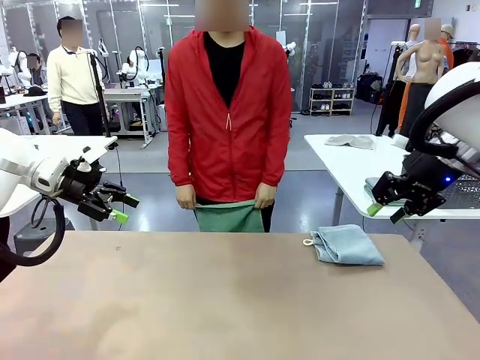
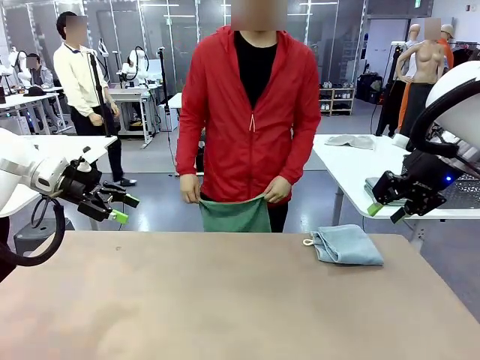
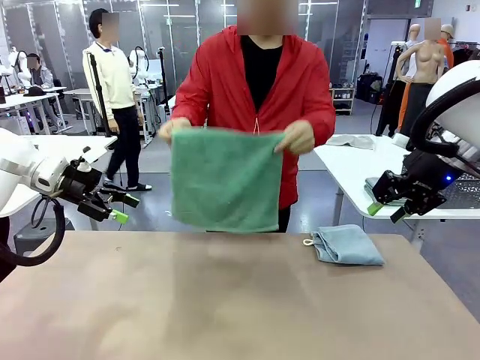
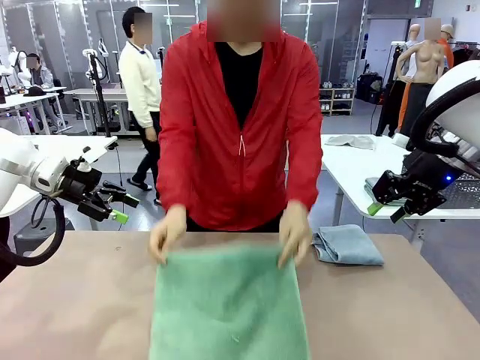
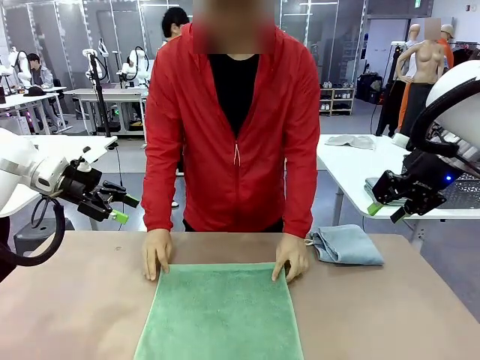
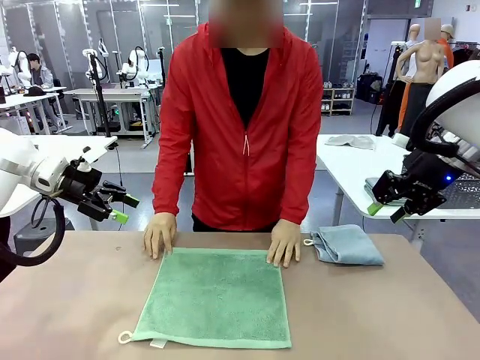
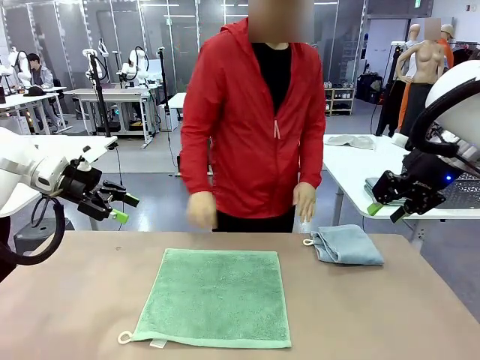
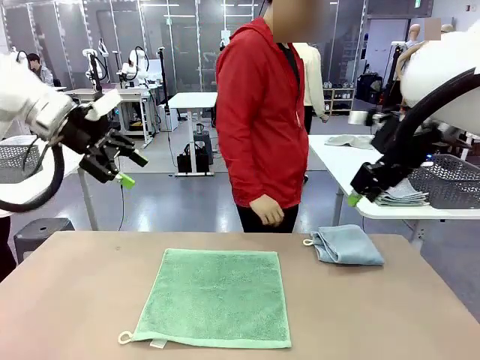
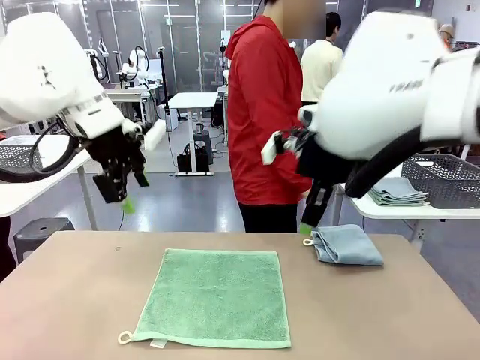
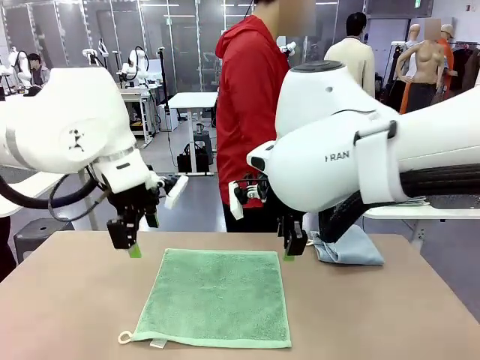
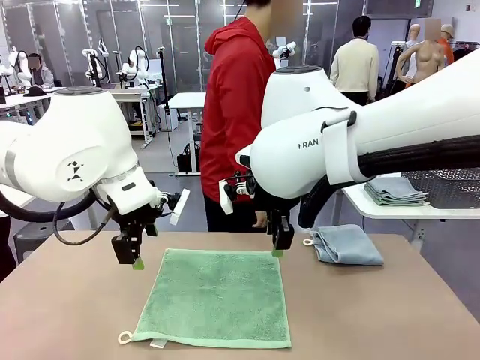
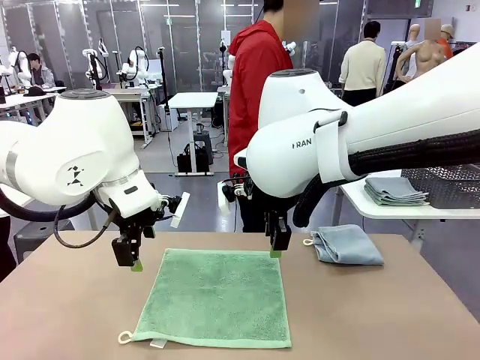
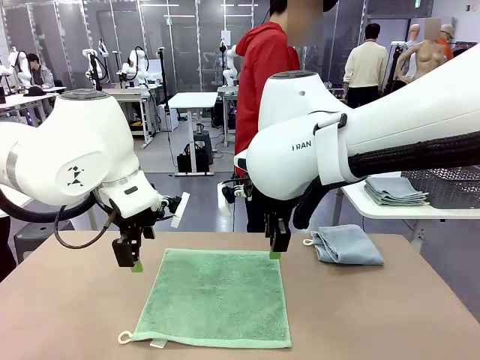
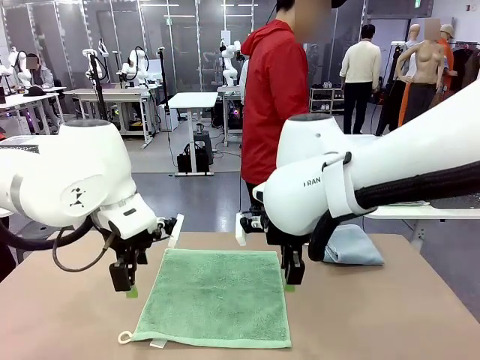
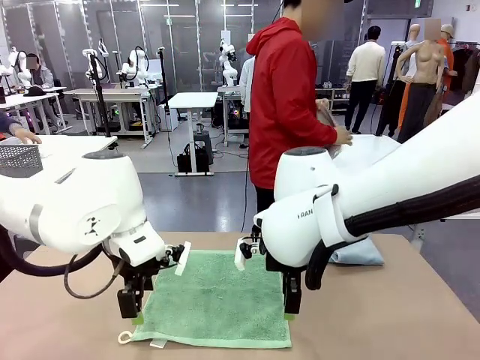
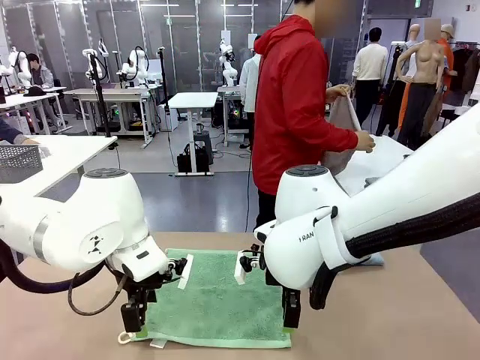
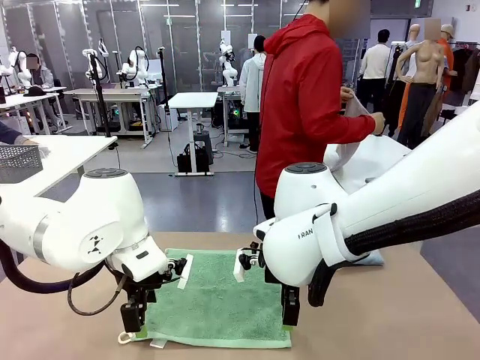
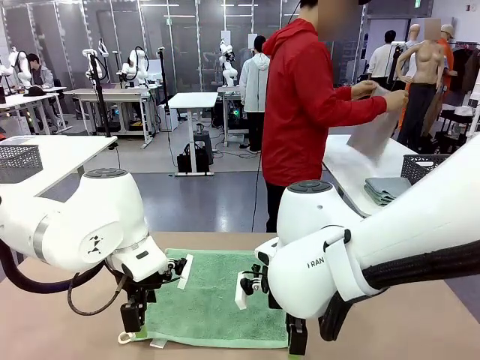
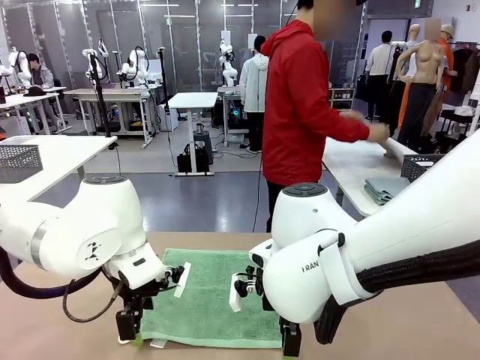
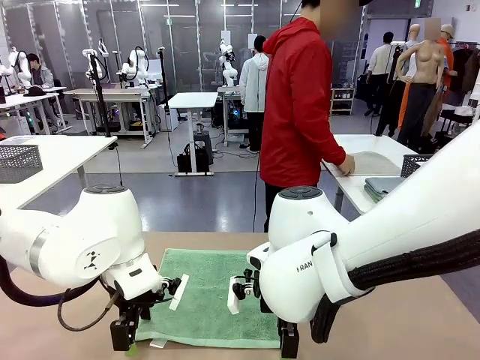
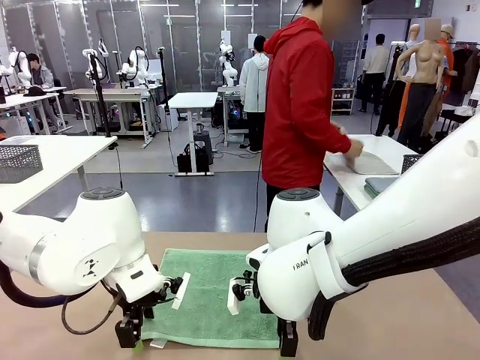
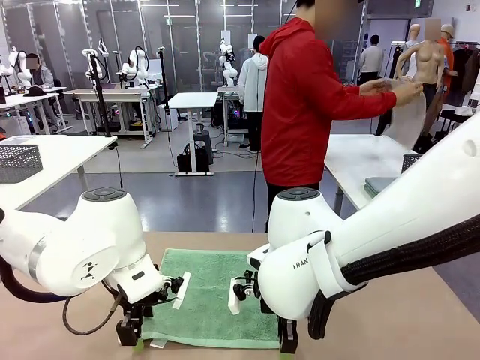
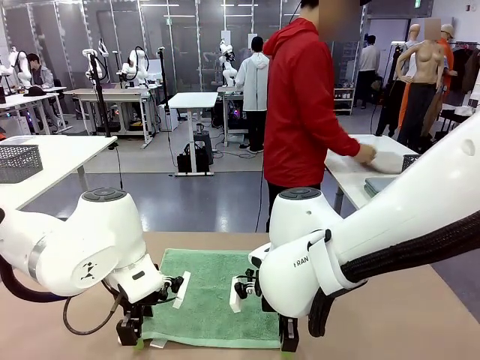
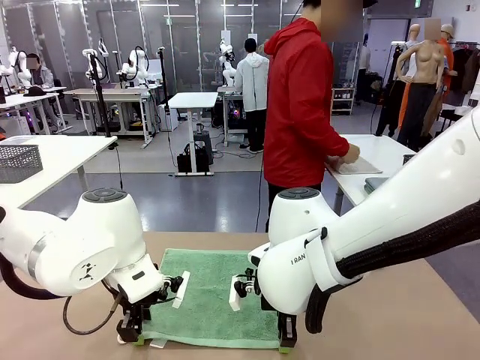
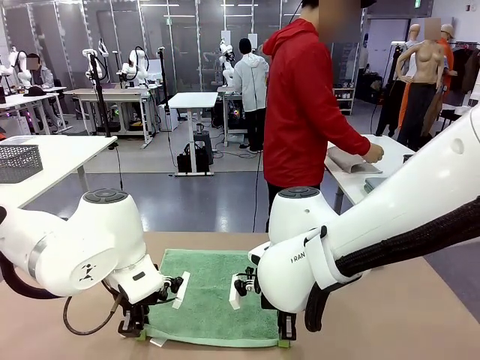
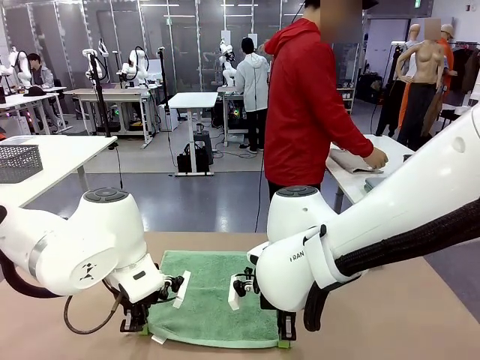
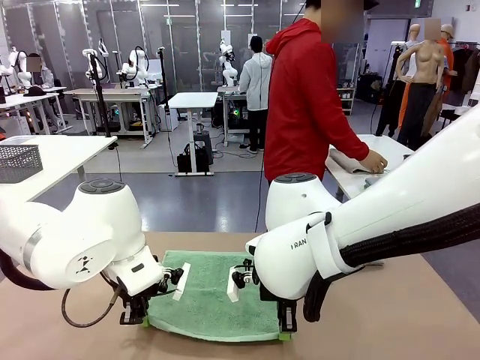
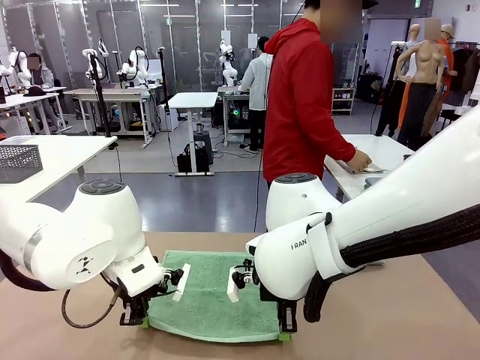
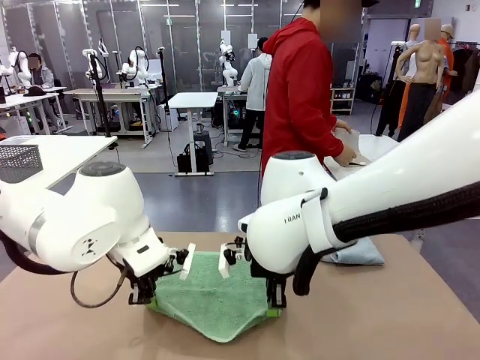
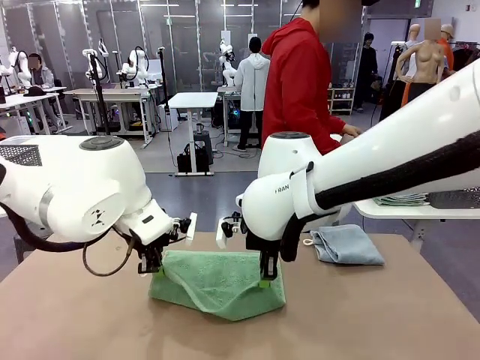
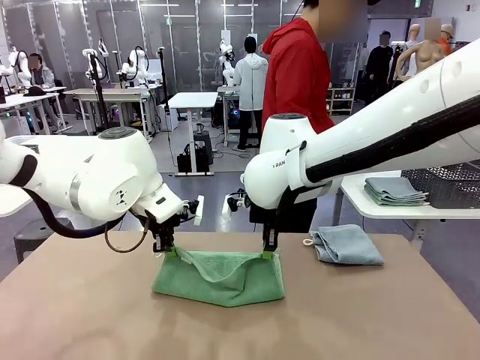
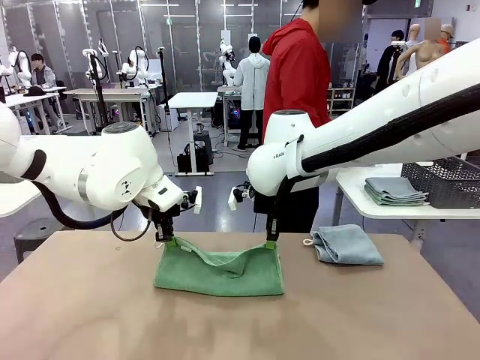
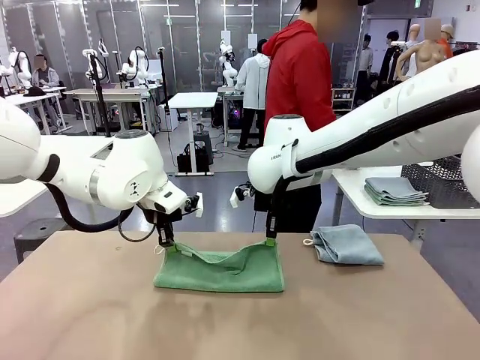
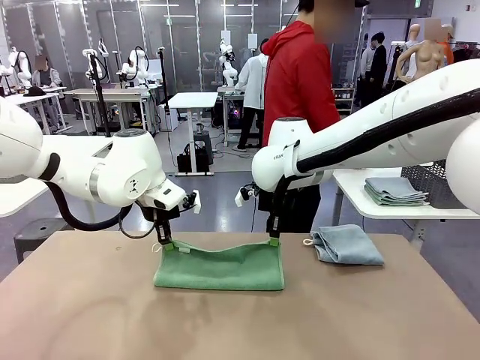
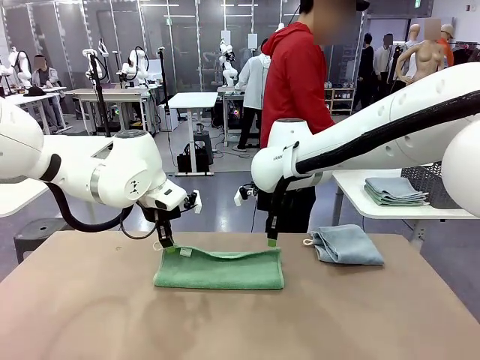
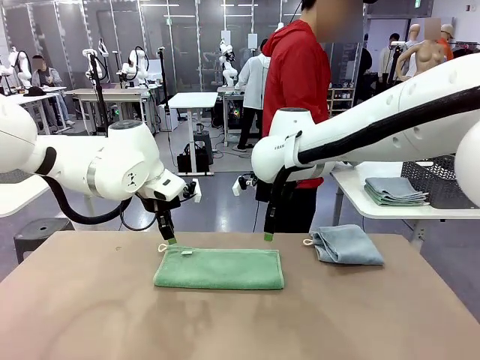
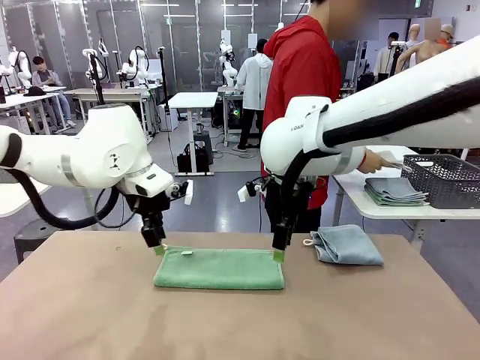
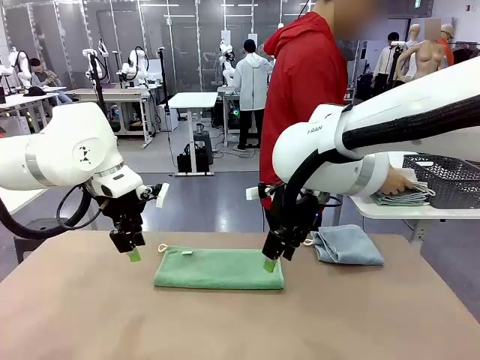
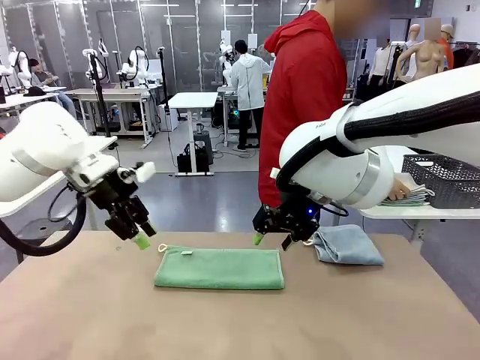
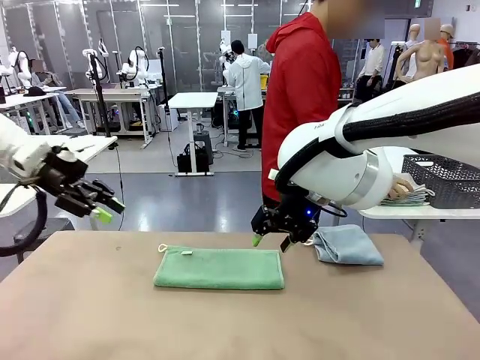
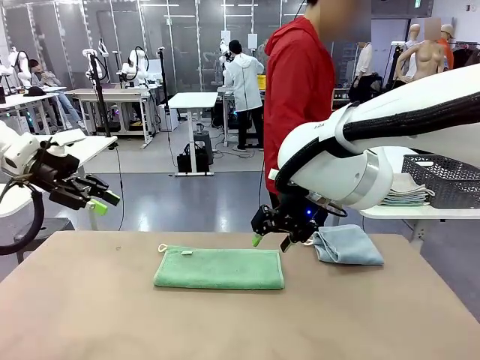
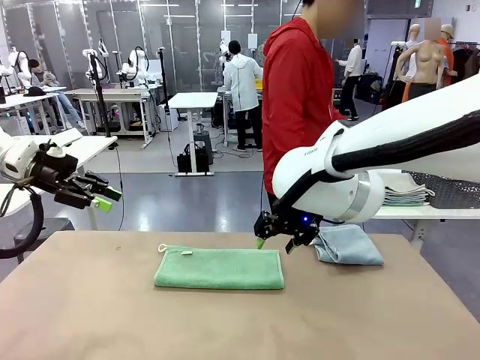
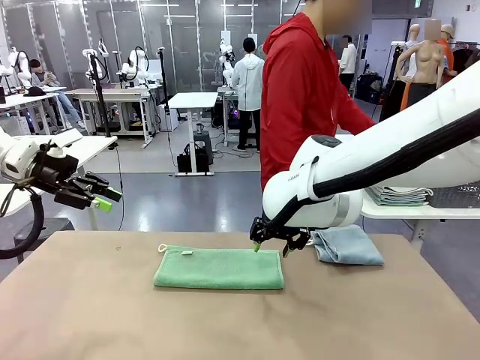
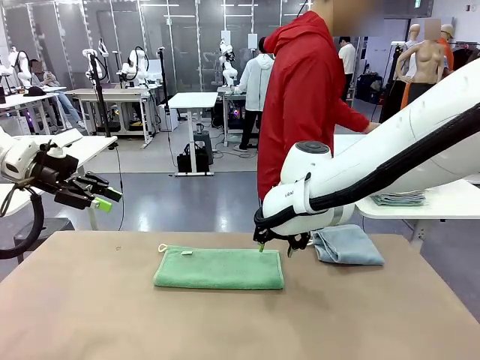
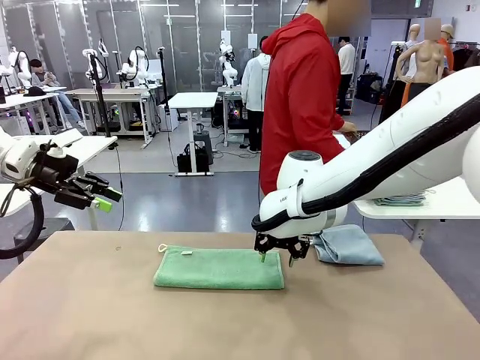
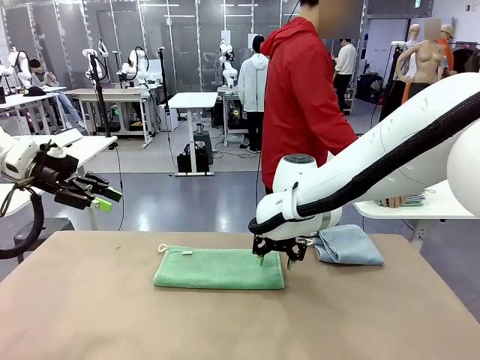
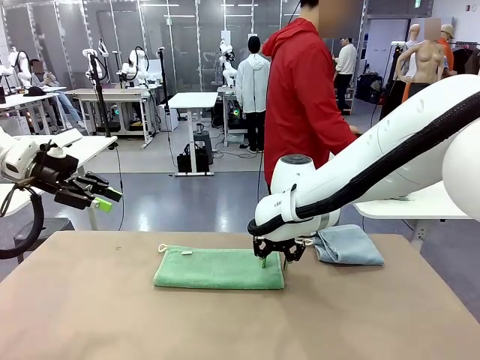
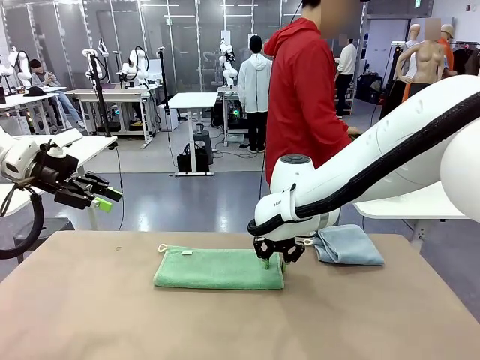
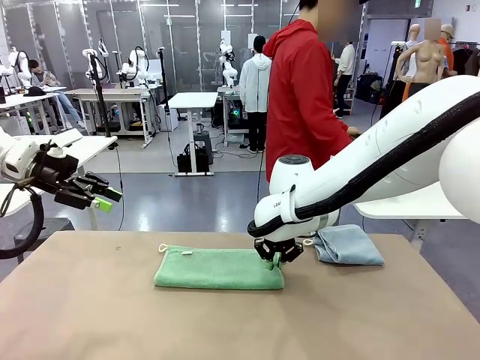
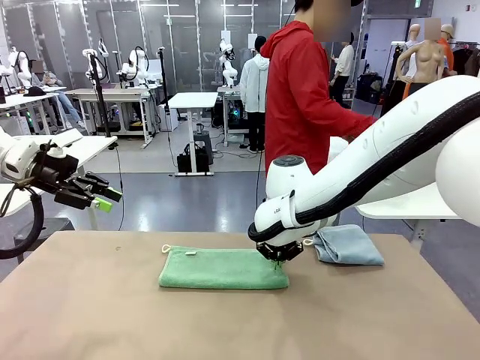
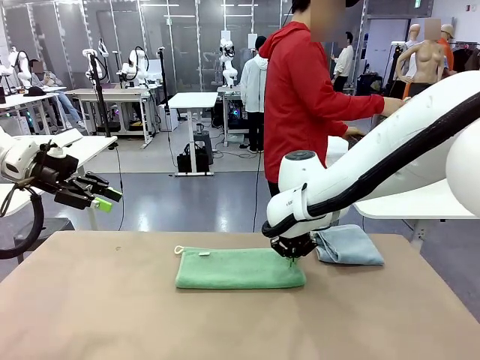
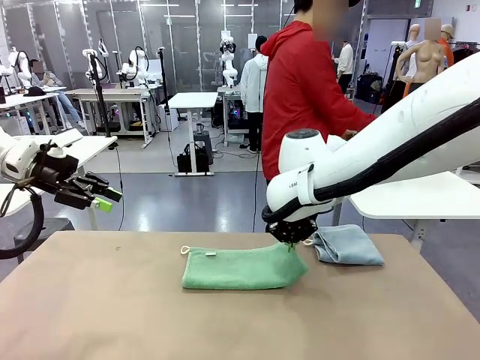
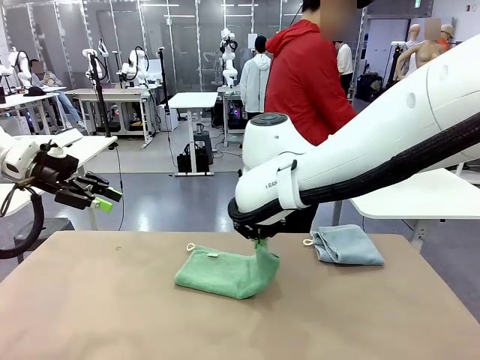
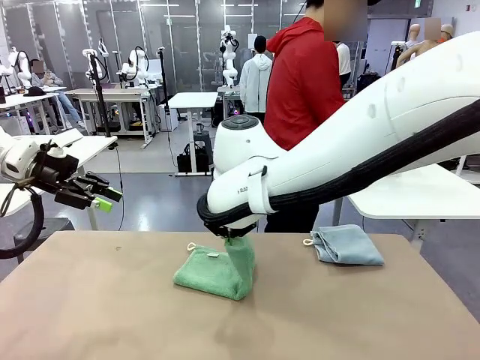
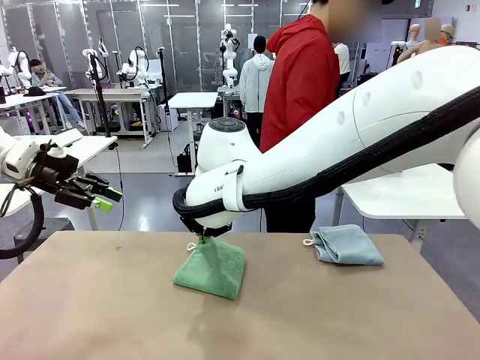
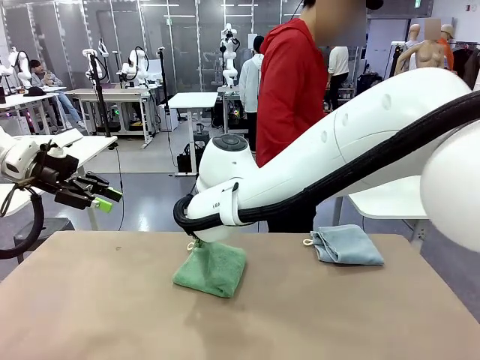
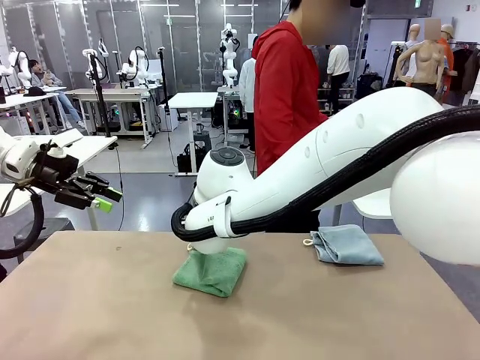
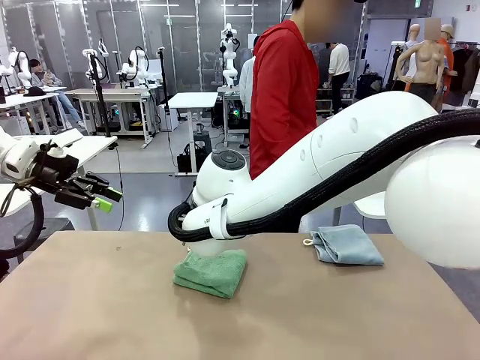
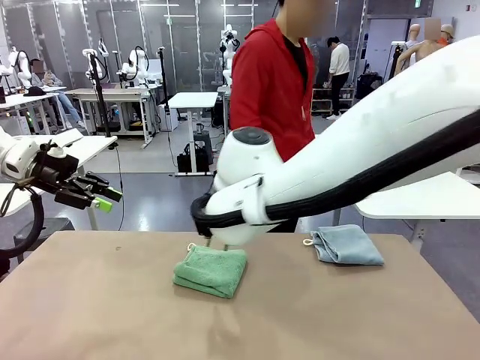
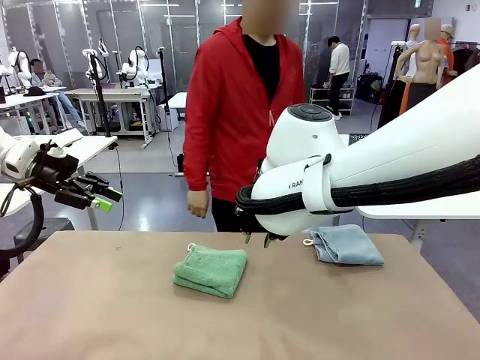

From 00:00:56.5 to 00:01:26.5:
Task: Fold the towels and place them in the basket.
Robot: When a person lays out a Towel with hook on the table, fold it in half twice.
Person: Pick up one towel from the left side of the human table, fold it in half twice, and stack it on the right side of the table. Pick up the stack of towels from the right side of the human table, place it into the basket, and put the basket at the center of the table.
